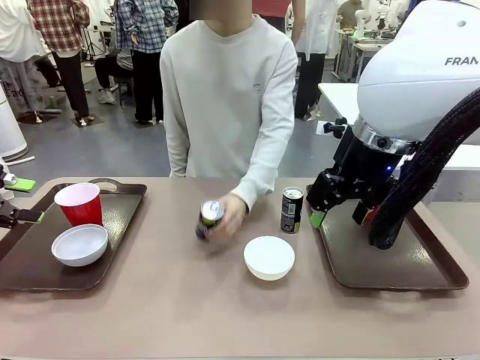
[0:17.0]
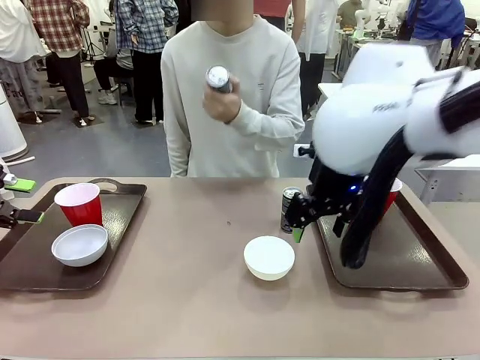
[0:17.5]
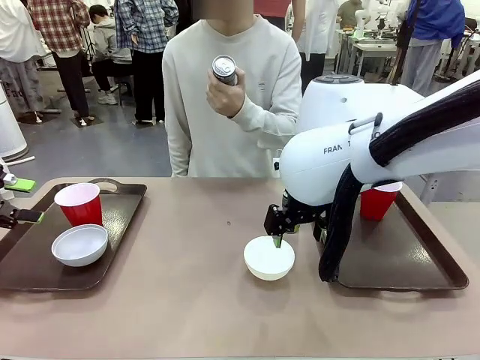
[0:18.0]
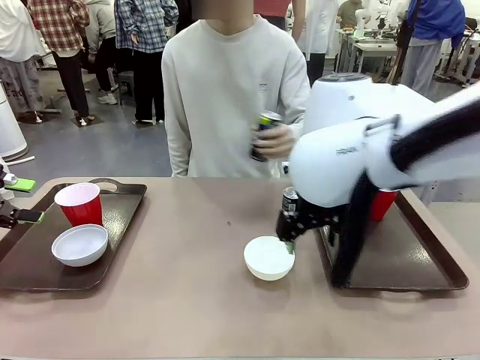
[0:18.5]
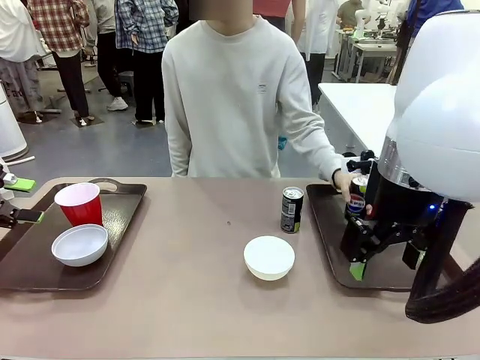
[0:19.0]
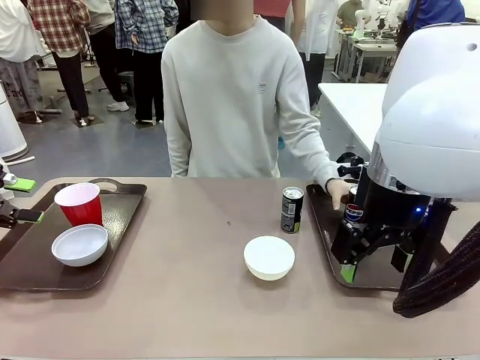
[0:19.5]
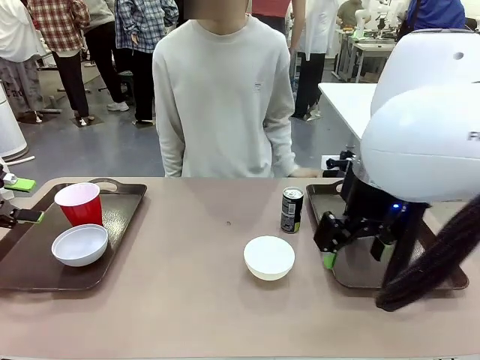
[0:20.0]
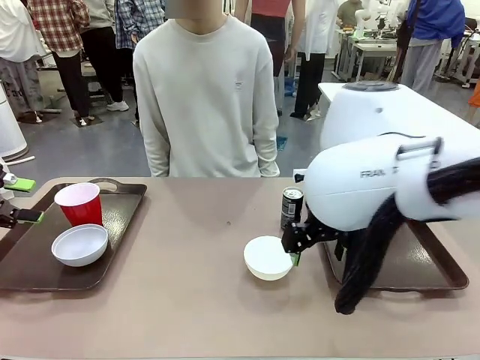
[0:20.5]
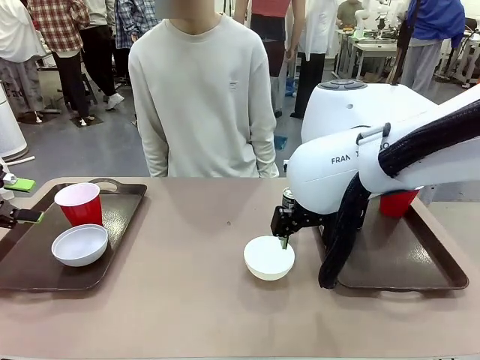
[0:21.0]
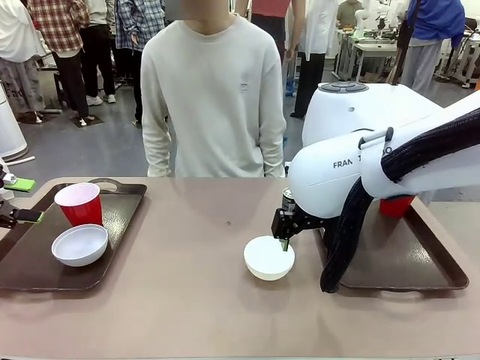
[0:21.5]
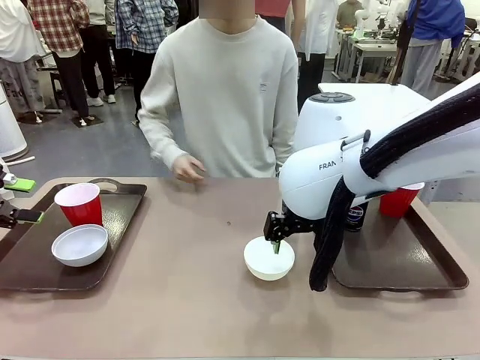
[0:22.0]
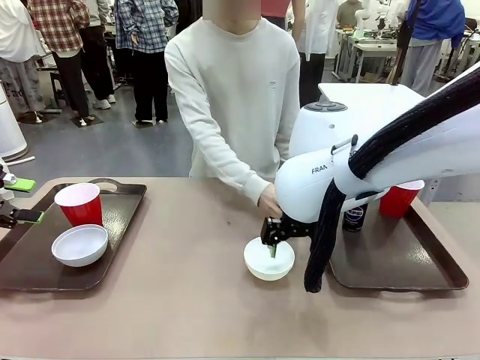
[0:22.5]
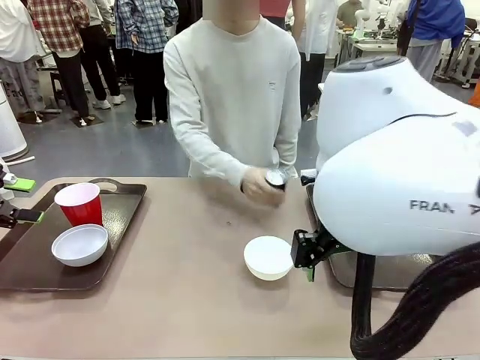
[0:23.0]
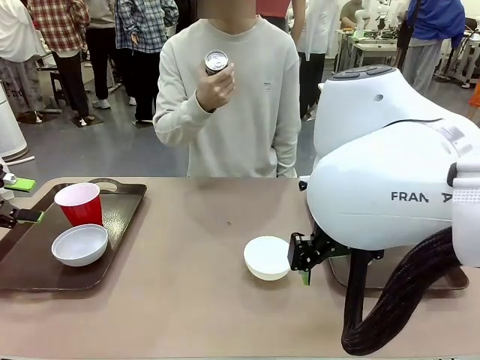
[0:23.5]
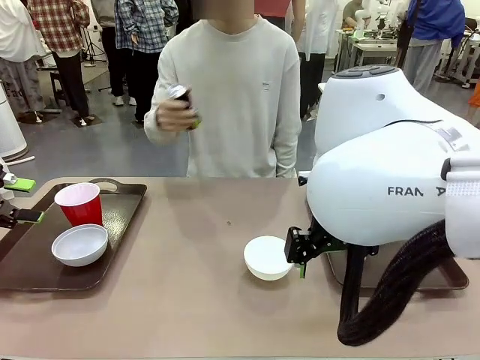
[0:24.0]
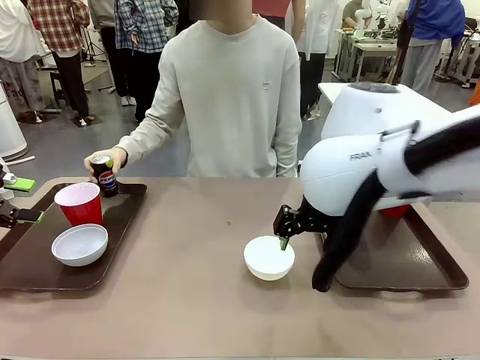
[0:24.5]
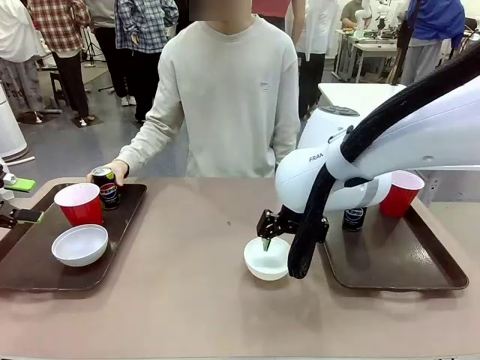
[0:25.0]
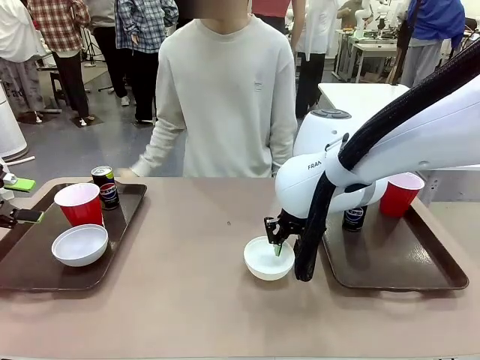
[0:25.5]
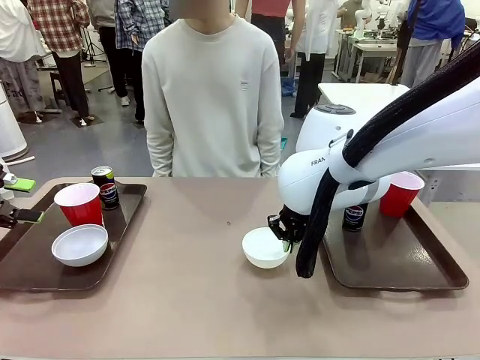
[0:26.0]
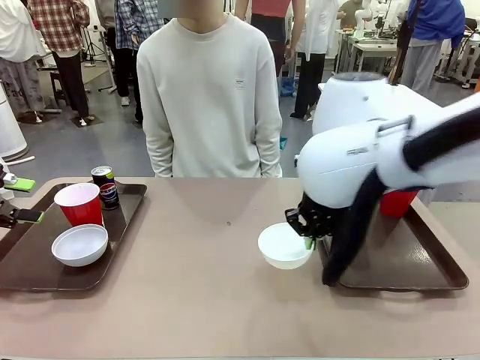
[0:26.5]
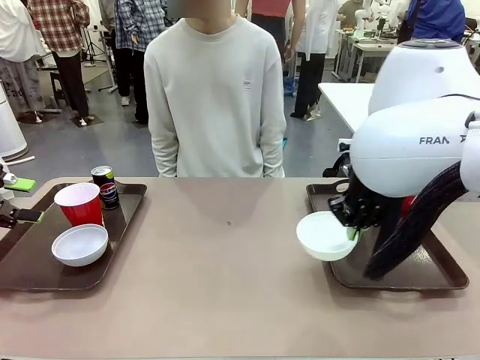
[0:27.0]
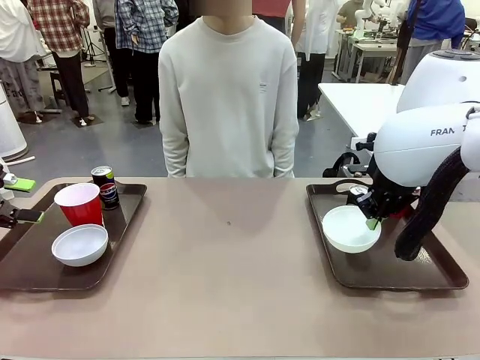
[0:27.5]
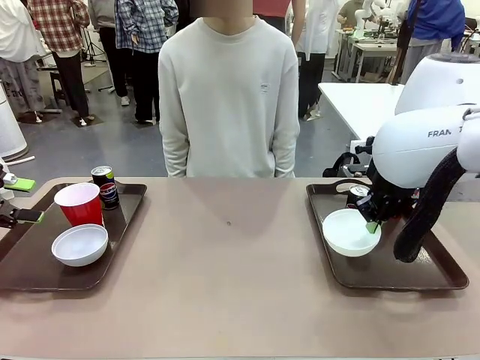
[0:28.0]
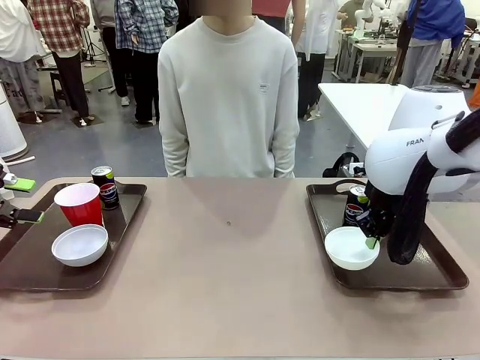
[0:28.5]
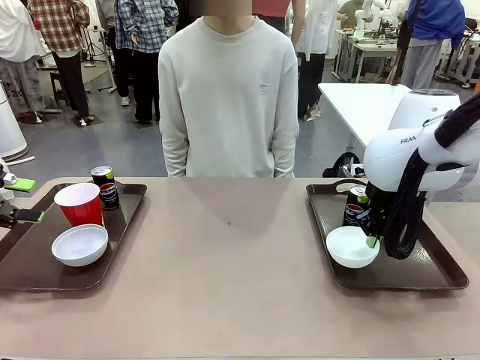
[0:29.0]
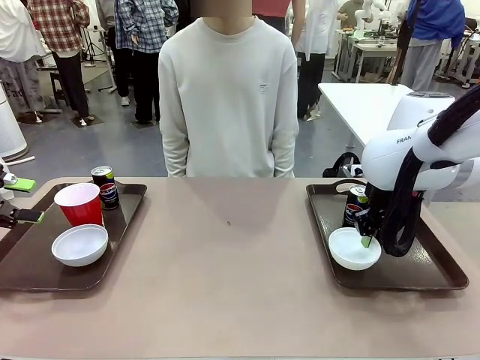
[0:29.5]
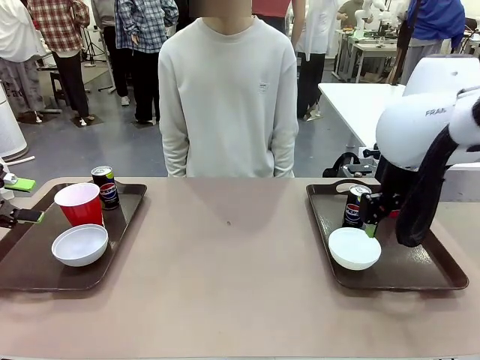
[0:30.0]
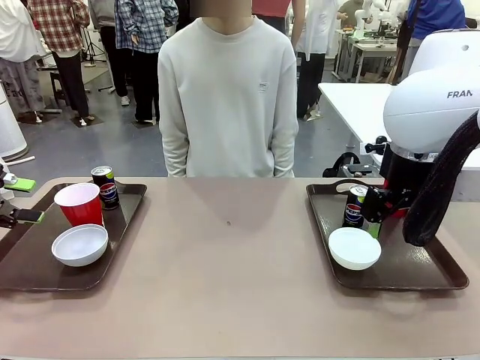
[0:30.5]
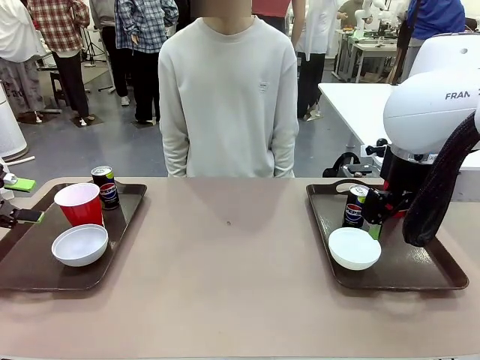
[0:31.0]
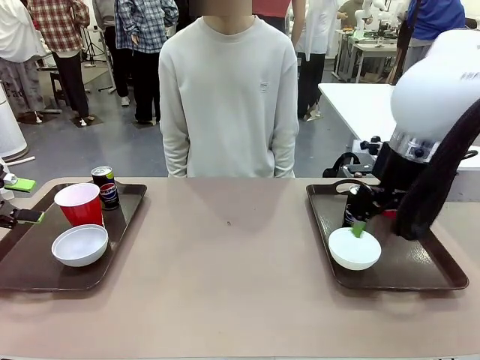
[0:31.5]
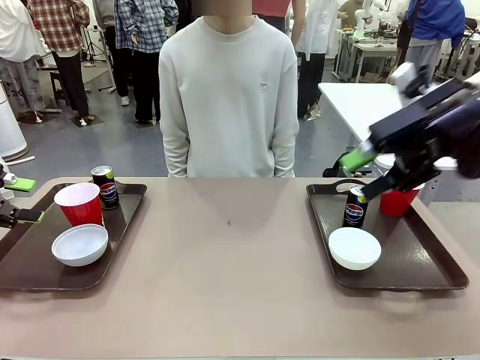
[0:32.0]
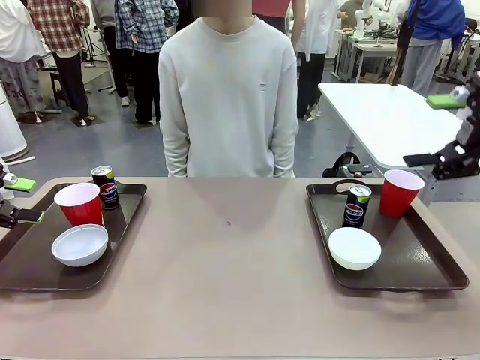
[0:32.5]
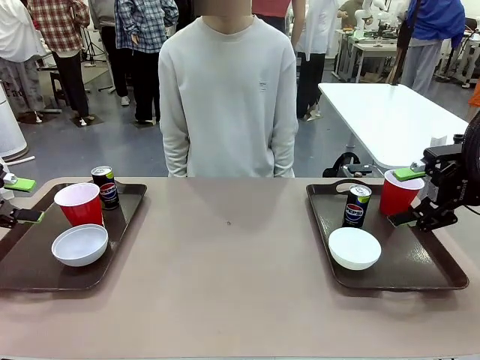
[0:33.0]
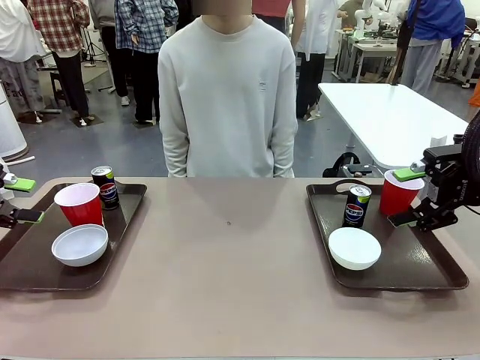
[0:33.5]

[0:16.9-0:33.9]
Task: Prepare tableware on both trays.
Robot: Pick up a Picnic Bowl from the table and place it on a Handle tray.
Person: Pick up a can or cup and place it on the tray without a can or cup.
